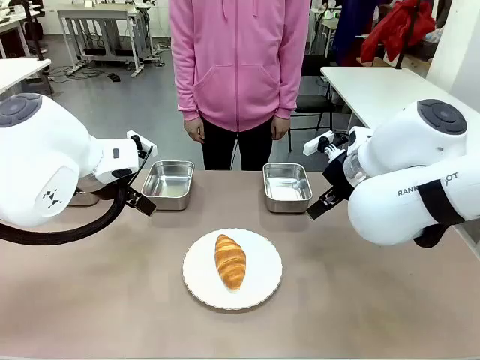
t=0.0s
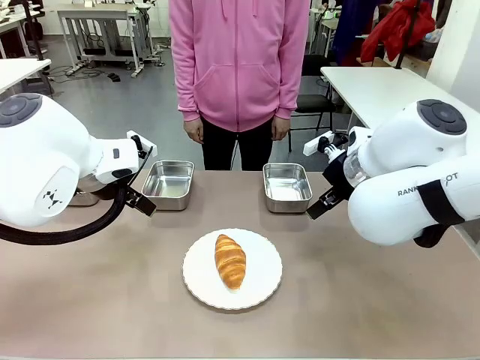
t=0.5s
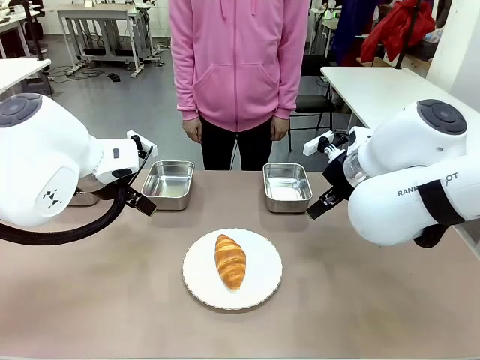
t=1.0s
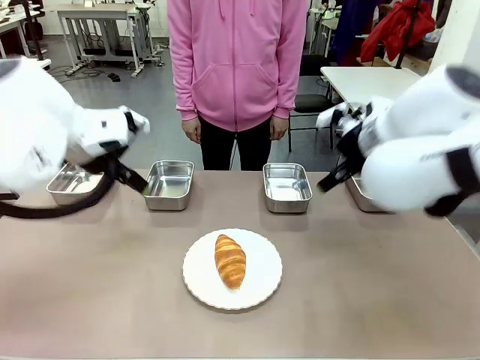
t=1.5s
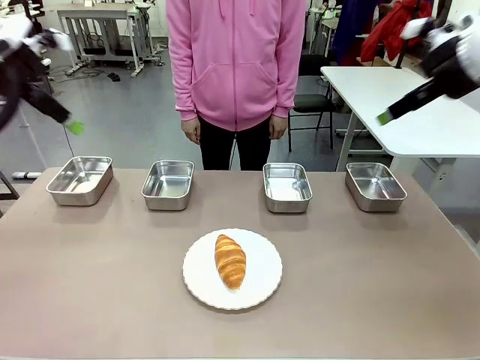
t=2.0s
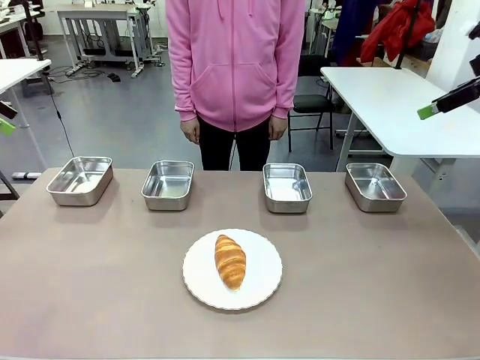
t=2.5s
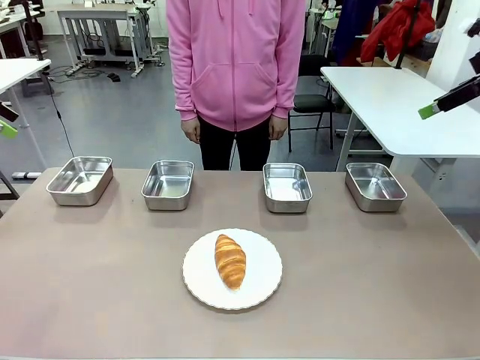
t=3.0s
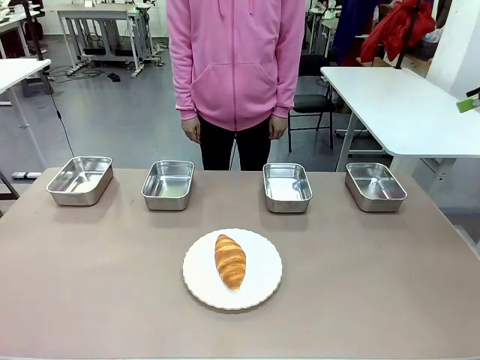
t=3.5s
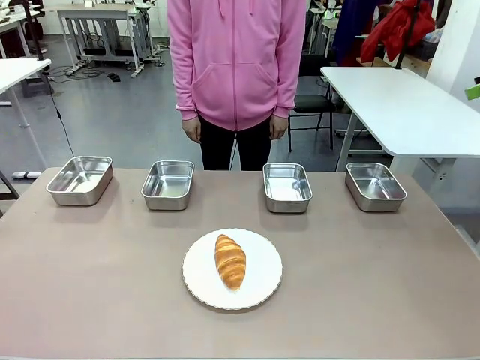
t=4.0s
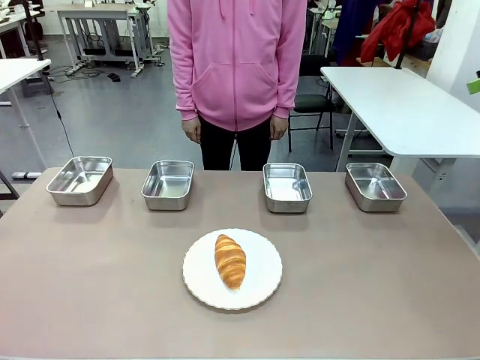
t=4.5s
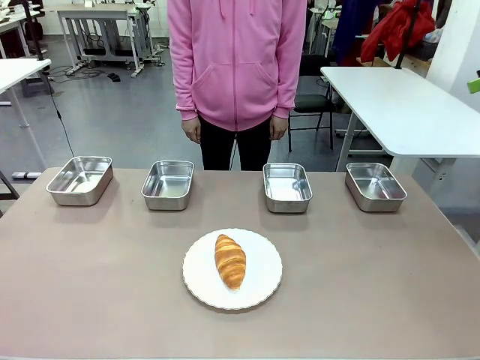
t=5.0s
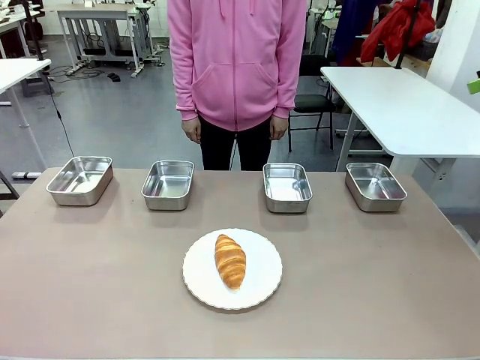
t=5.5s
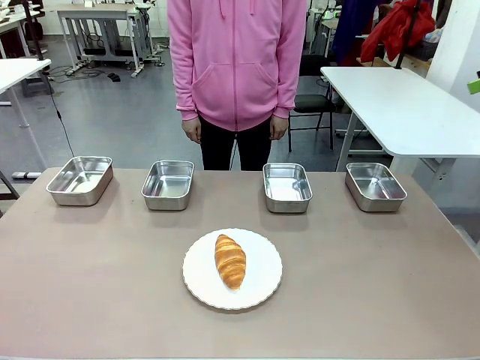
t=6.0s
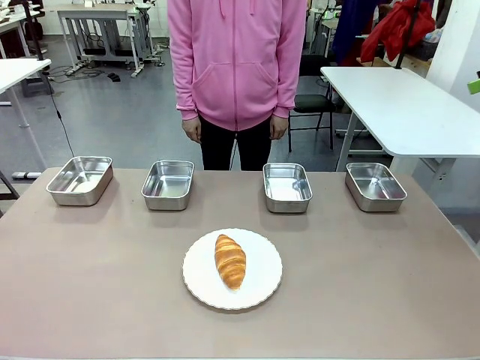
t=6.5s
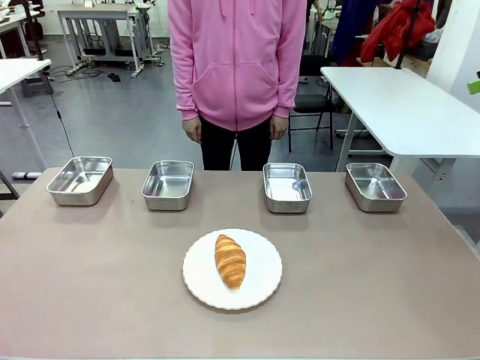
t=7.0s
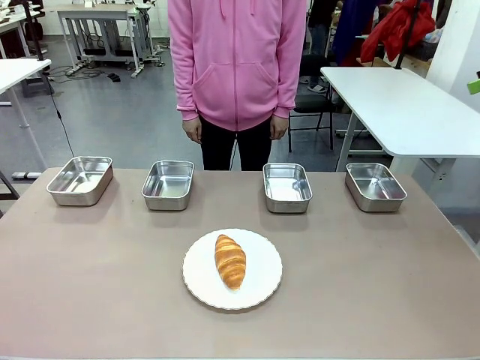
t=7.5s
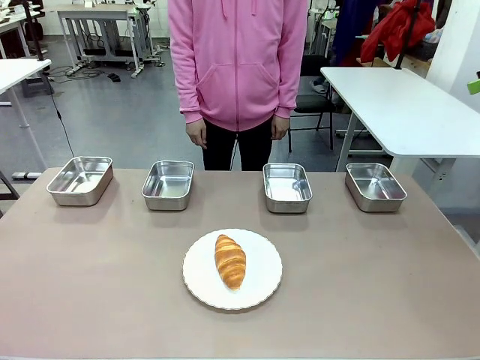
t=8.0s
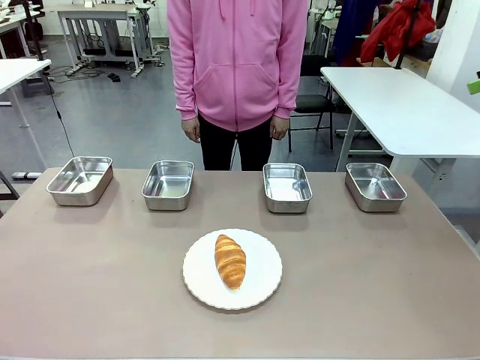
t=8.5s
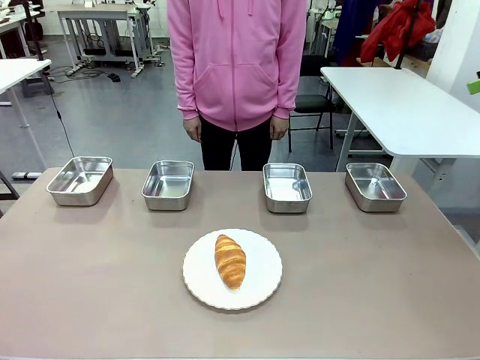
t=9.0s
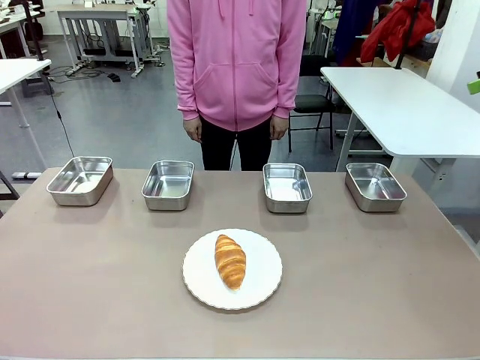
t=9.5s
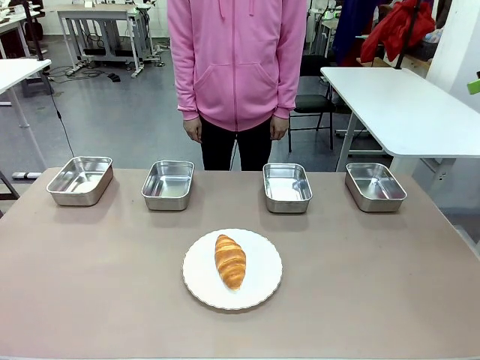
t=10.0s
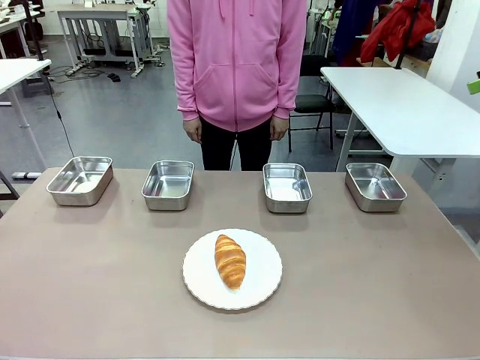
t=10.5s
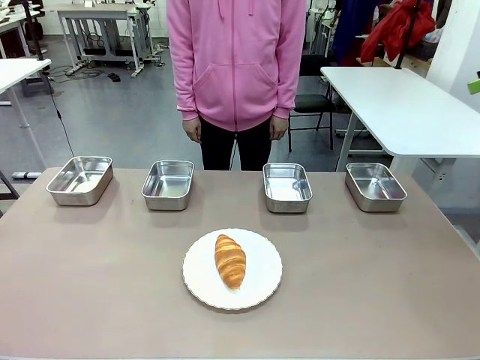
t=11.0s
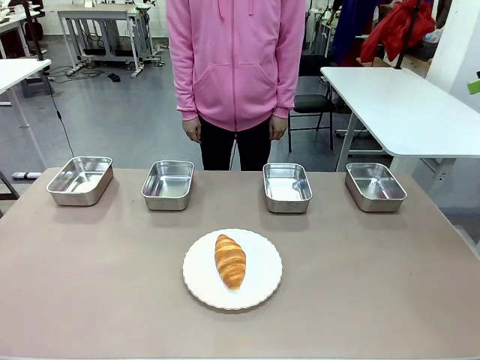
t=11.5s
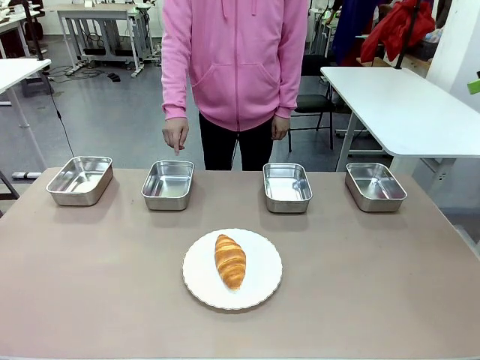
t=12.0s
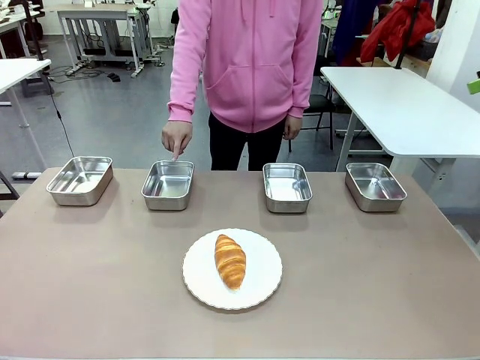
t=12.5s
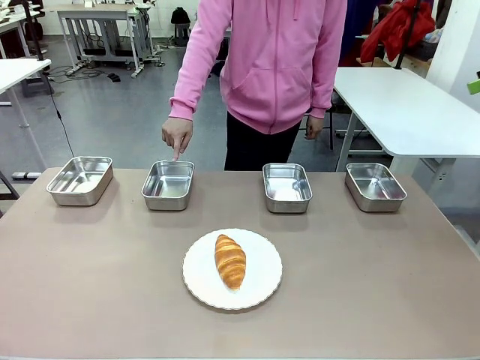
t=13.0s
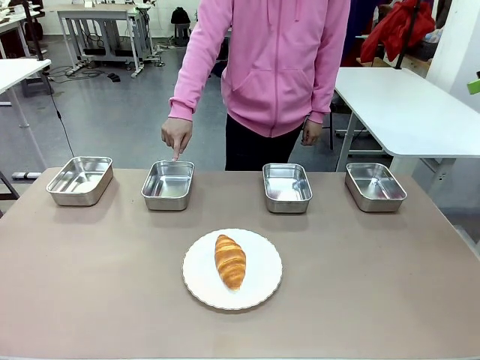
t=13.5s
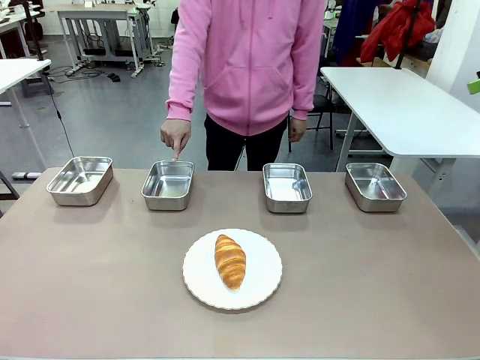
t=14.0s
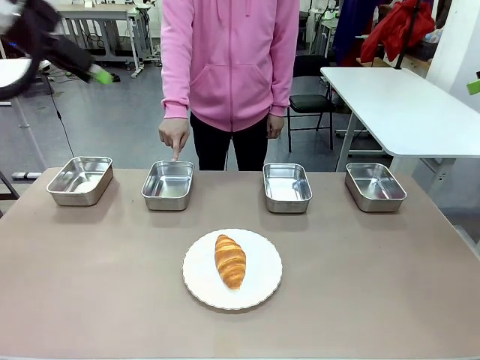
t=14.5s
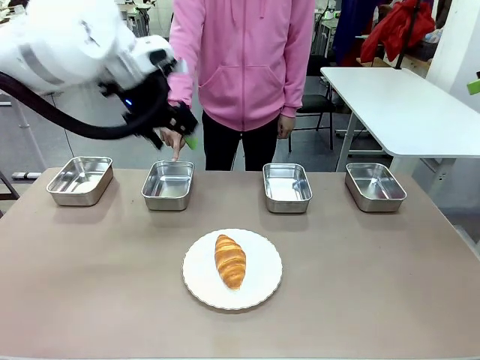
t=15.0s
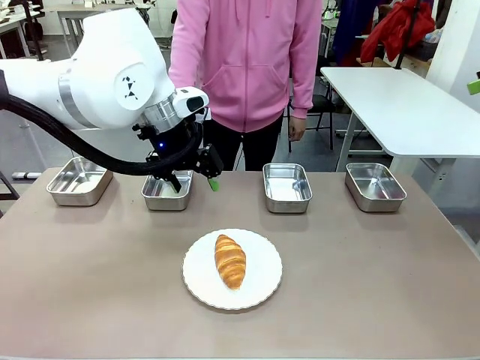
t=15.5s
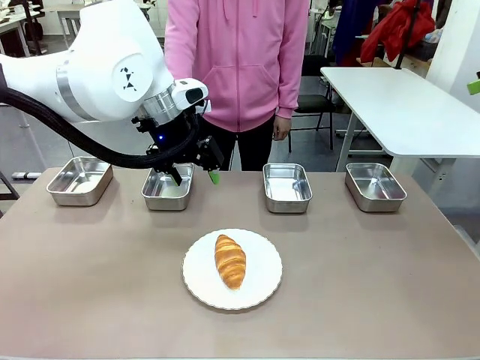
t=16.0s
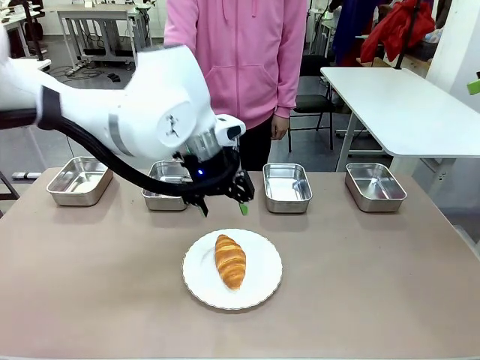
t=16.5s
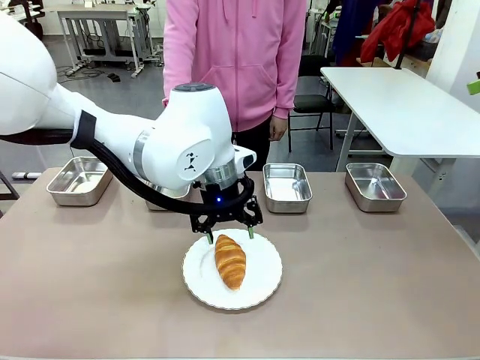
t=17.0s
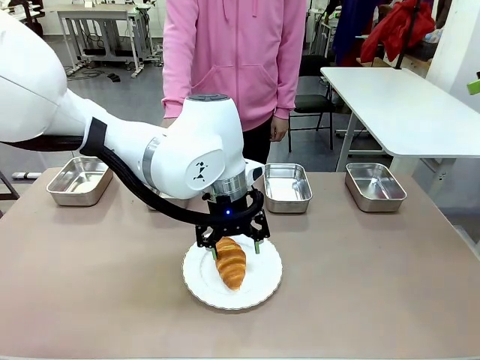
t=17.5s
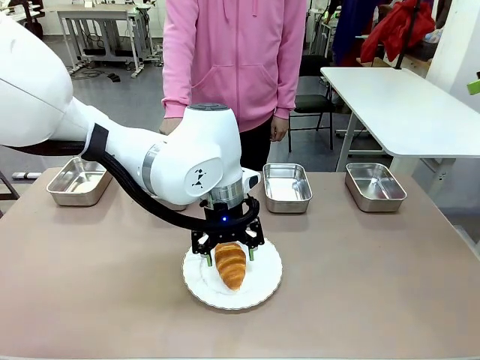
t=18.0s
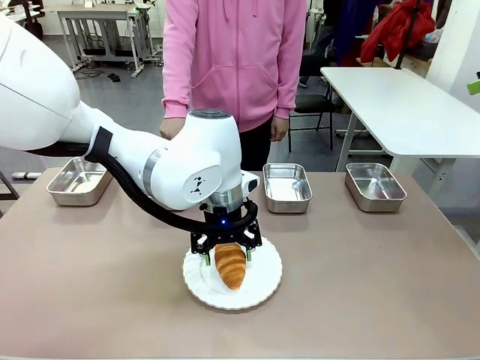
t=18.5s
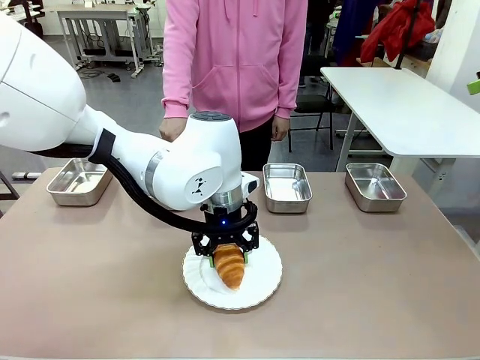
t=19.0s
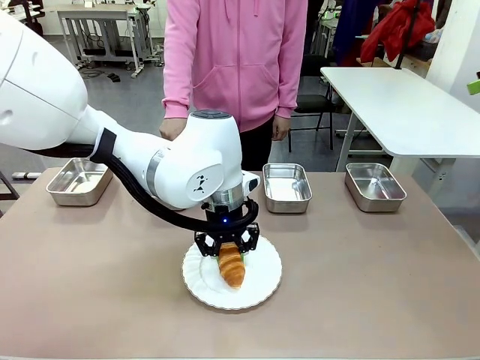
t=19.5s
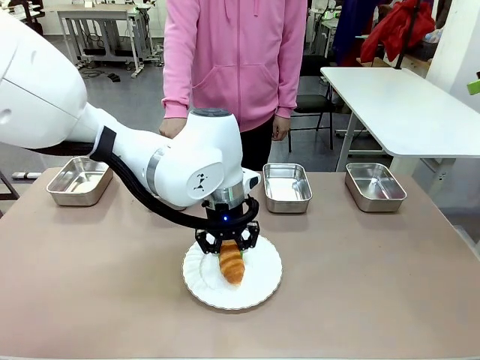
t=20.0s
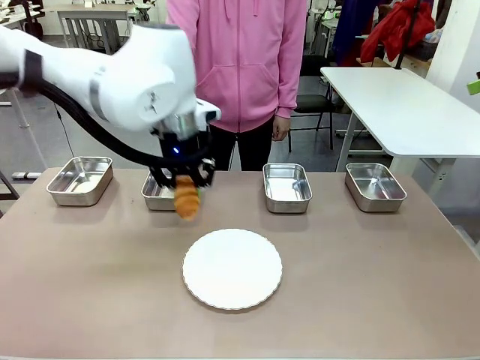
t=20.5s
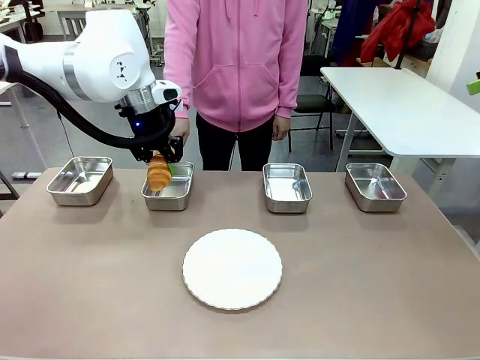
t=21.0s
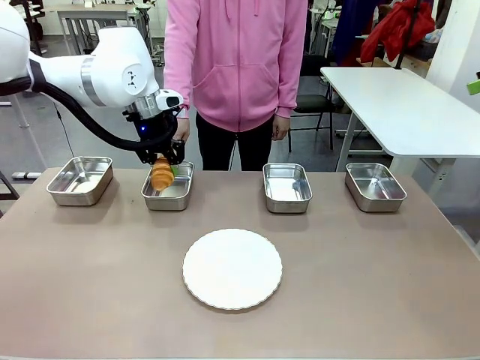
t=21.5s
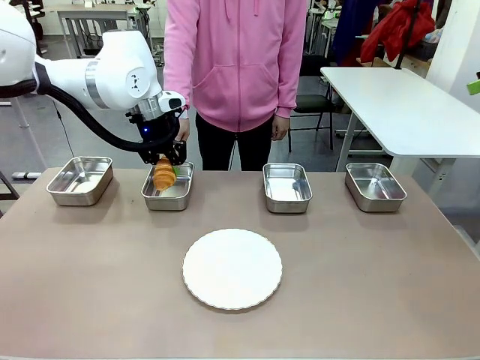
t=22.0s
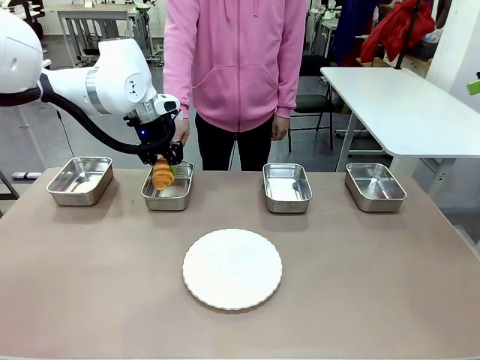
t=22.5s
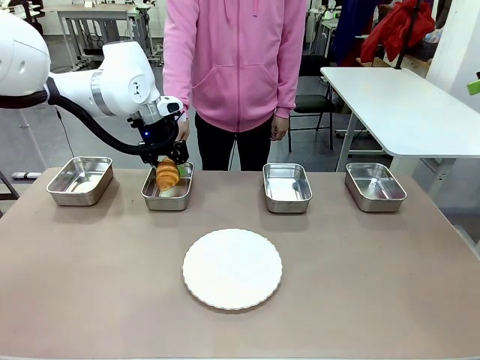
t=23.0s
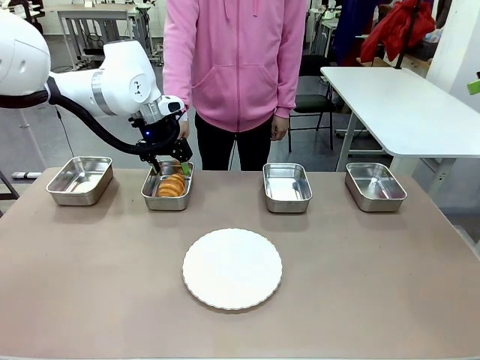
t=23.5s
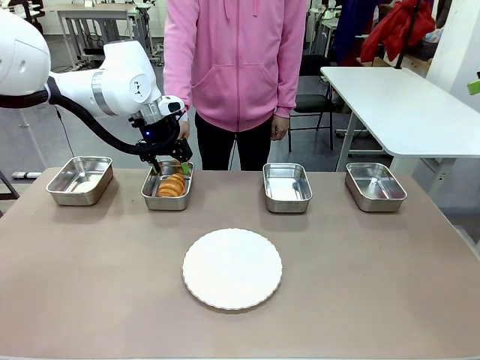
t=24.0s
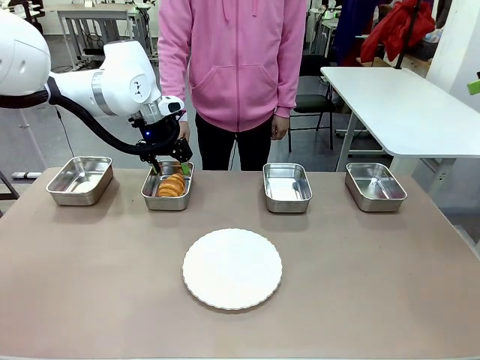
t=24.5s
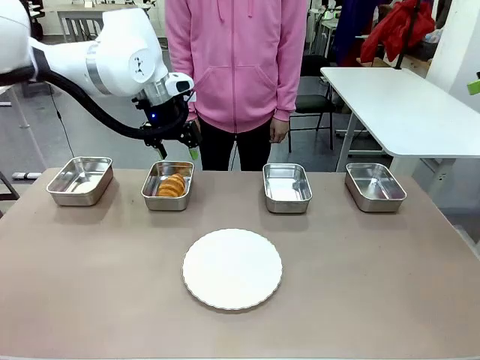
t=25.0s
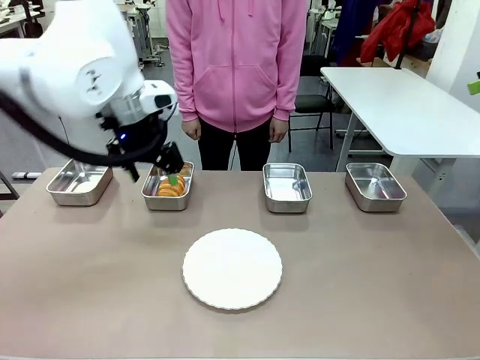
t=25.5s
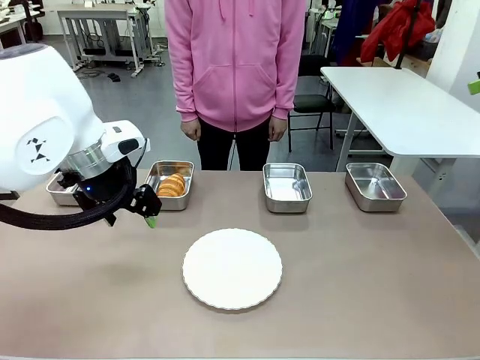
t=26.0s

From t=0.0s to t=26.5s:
Task: Place the bread in the container.
Robot: Place the Butter Roll into the Airtight Container indicated by the human.
Person: A person randomly selects and points to an Airtight Container.
